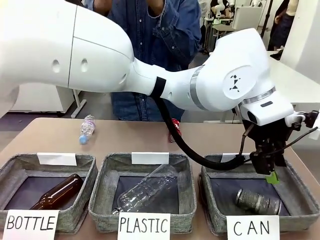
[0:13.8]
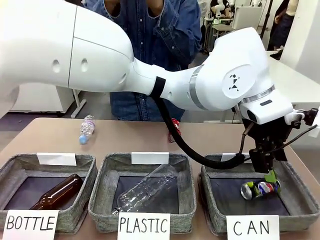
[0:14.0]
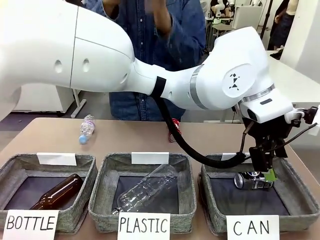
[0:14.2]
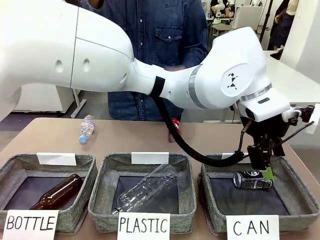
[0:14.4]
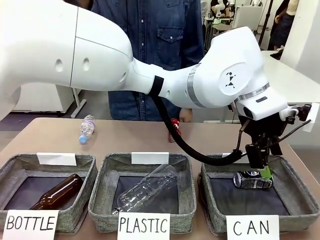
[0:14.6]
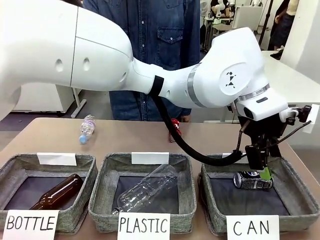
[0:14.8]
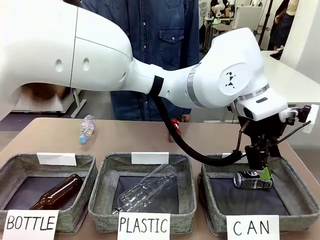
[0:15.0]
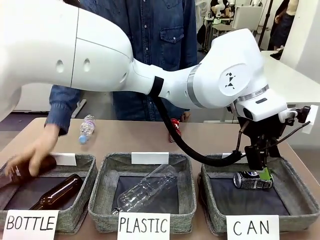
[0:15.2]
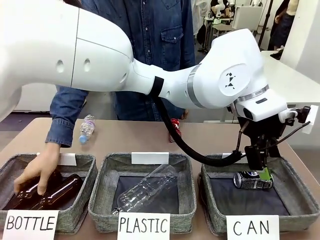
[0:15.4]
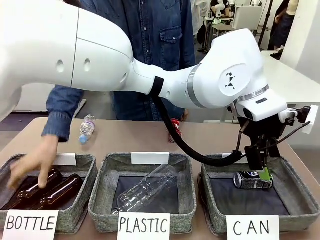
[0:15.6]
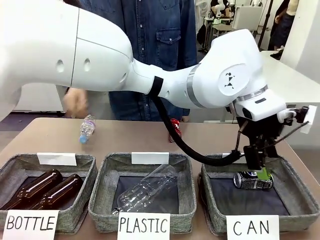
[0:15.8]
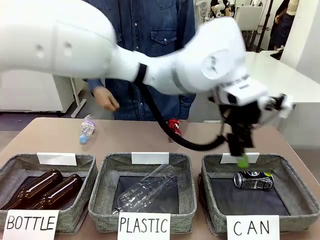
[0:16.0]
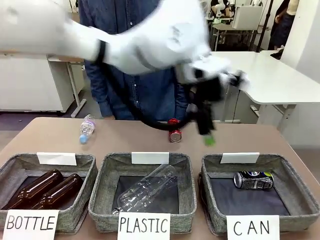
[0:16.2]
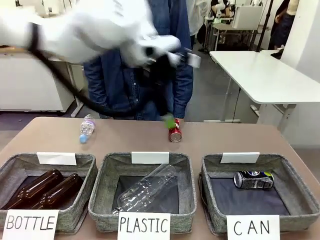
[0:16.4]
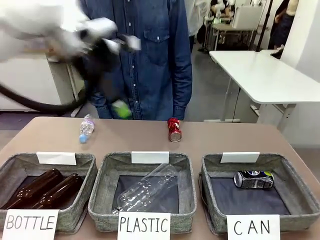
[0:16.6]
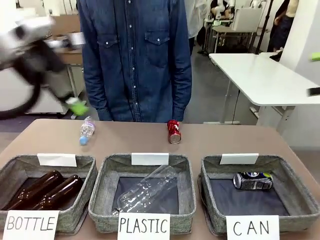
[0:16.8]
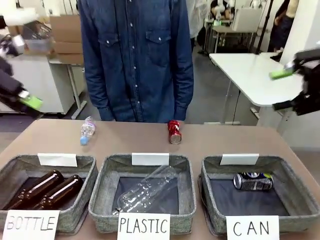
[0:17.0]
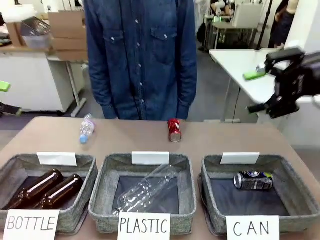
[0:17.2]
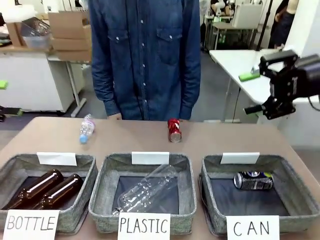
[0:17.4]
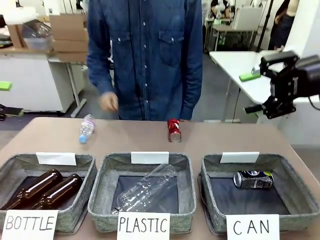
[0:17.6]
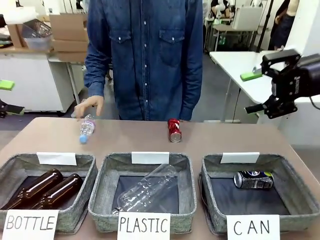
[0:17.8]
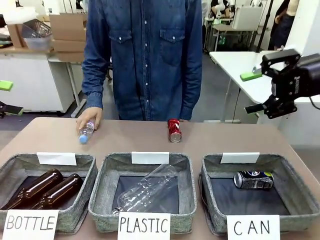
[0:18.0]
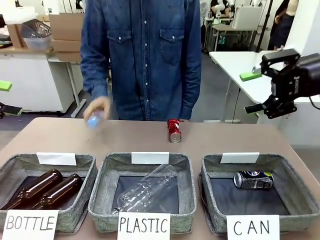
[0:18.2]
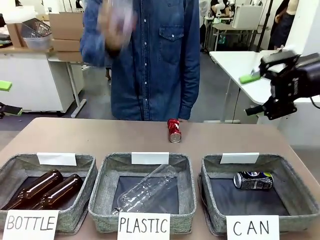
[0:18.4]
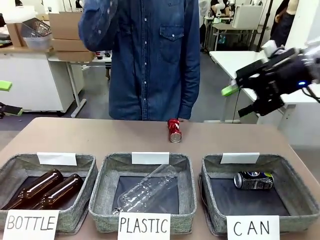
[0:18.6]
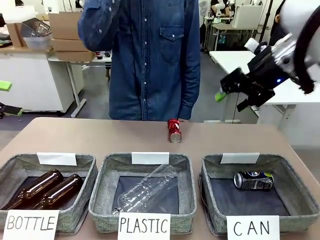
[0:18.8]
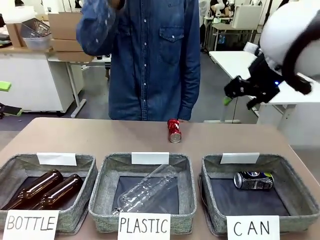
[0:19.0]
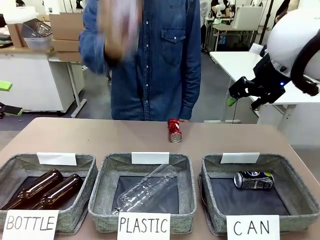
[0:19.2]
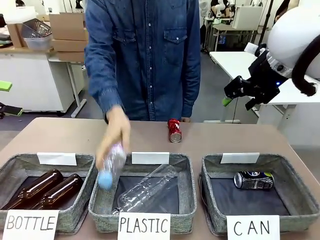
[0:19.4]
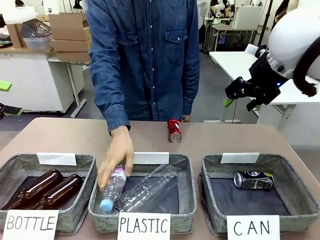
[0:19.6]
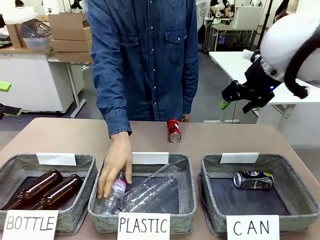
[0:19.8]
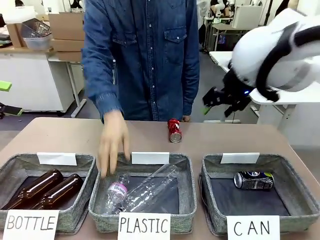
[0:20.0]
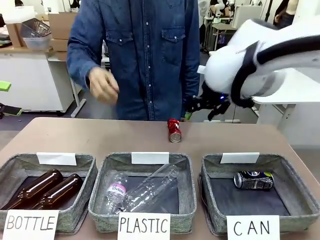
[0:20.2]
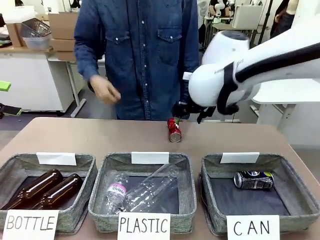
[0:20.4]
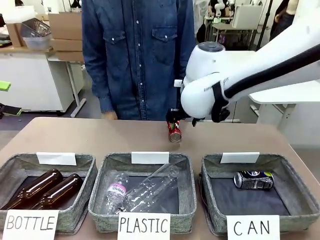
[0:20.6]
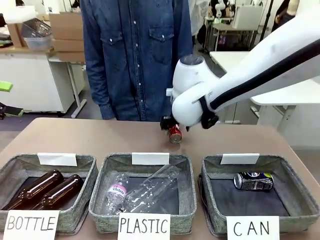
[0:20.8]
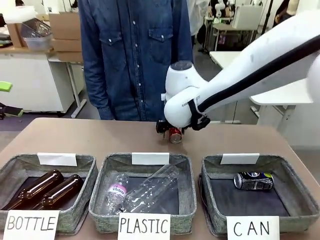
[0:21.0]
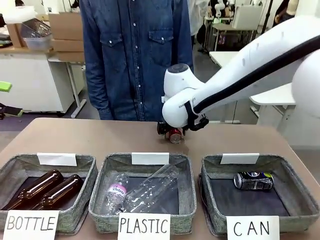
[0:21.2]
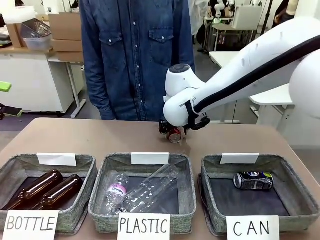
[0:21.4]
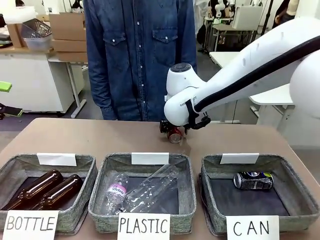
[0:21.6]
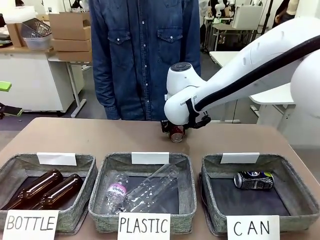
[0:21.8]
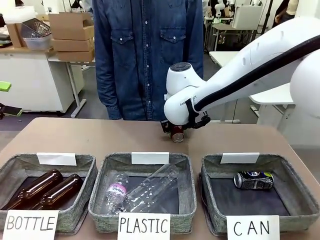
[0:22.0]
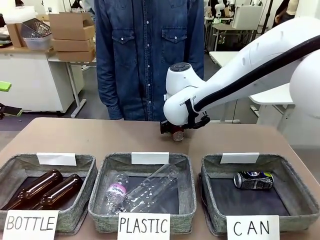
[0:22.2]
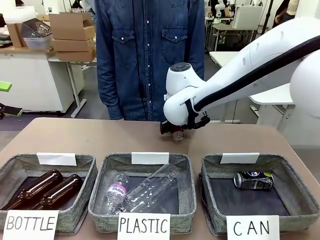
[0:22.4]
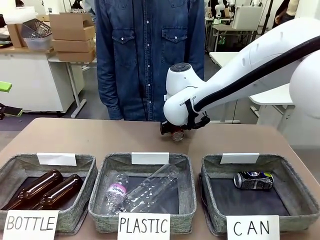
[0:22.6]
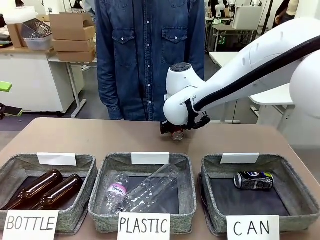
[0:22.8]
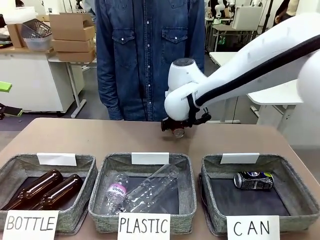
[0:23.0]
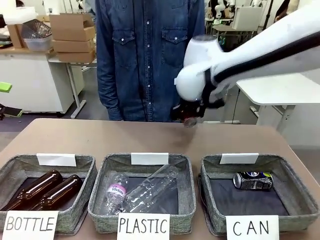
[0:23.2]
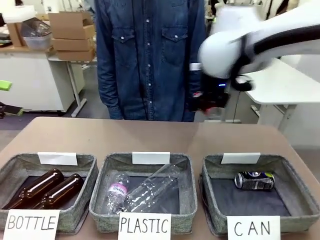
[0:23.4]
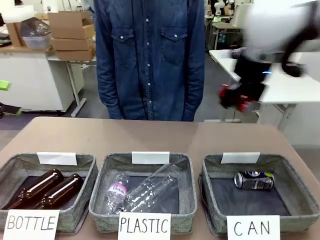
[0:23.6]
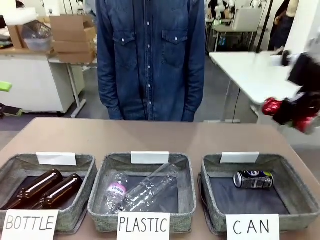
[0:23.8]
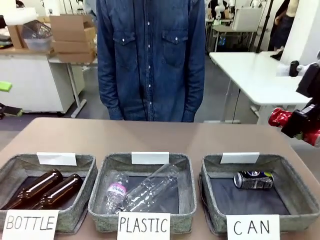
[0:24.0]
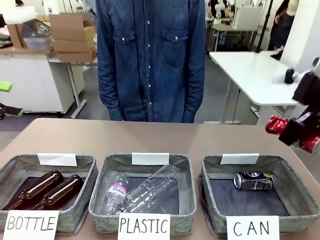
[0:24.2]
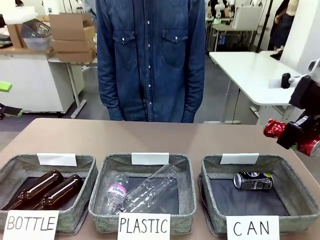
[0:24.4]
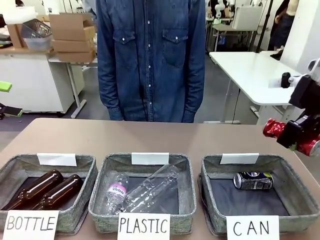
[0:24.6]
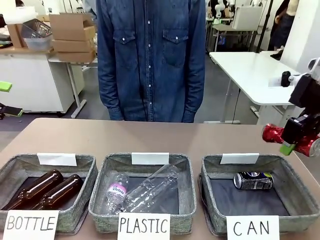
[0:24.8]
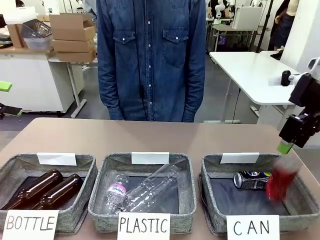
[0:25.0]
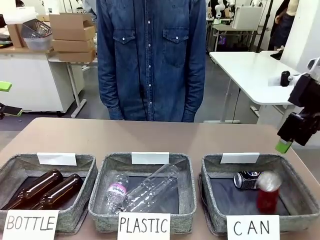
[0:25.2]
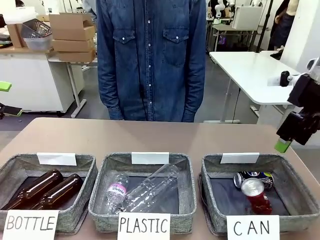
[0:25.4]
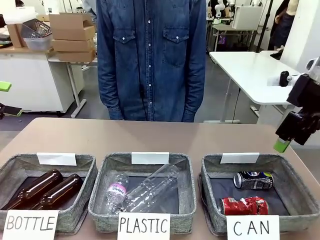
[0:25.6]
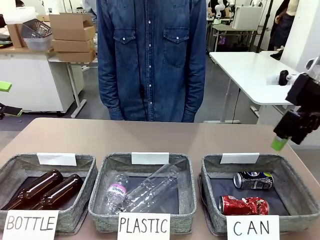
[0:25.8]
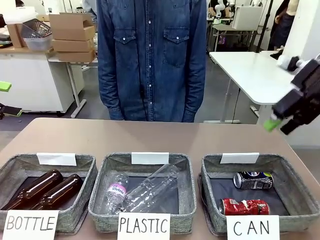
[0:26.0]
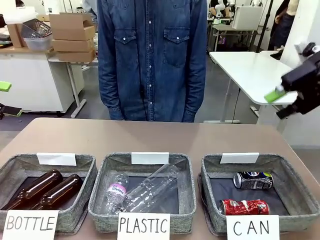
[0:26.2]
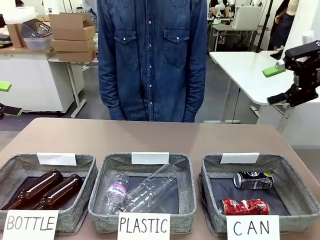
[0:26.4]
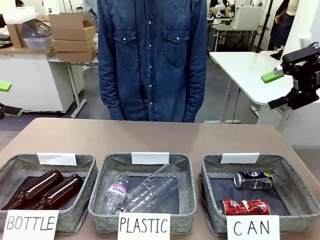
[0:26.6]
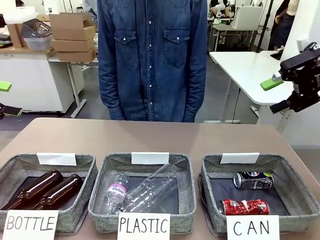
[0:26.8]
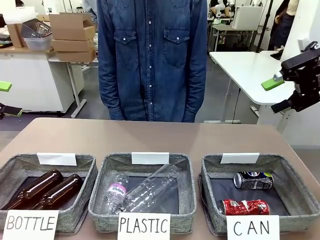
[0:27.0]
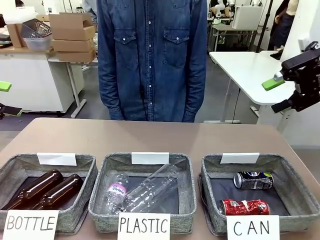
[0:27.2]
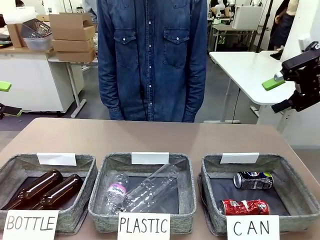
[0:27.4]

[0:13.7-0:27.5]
Task: Sort the can waste into the basket.
Robot: Pick up the can waste from the table and place it in the right Fabric basket.
Person: The human picks up one piece of trash that is not a can and places the trash into the appropriate organizing basket.

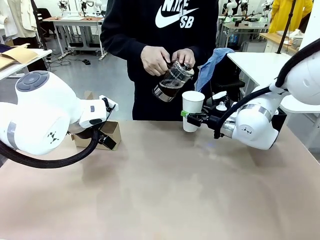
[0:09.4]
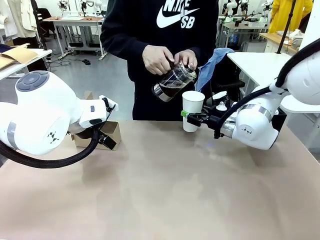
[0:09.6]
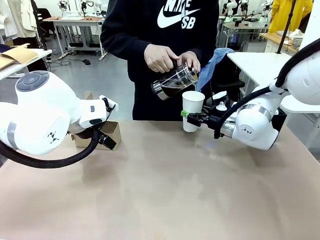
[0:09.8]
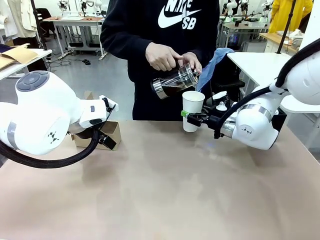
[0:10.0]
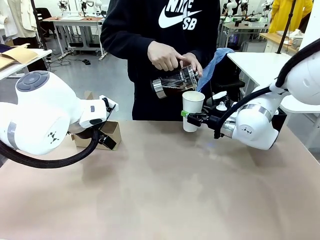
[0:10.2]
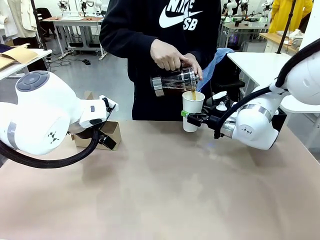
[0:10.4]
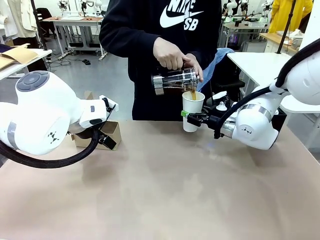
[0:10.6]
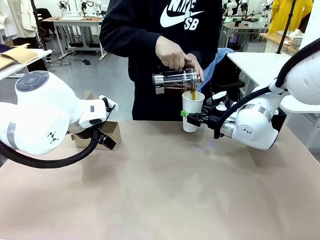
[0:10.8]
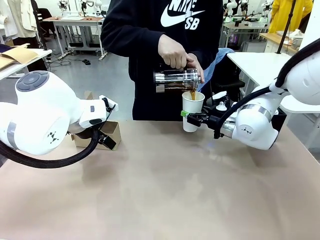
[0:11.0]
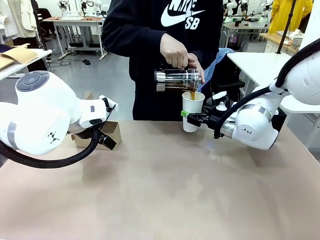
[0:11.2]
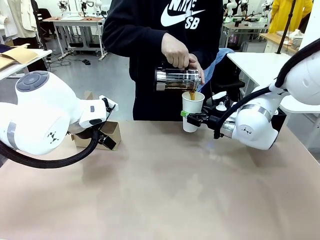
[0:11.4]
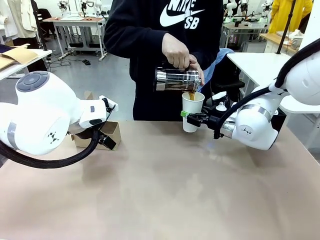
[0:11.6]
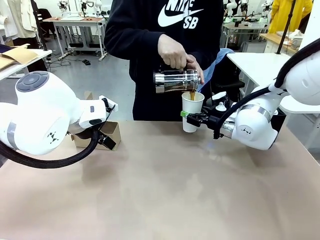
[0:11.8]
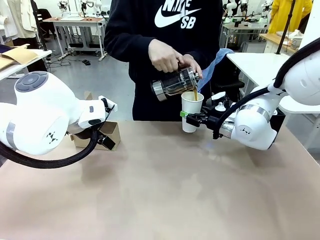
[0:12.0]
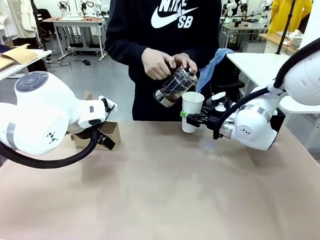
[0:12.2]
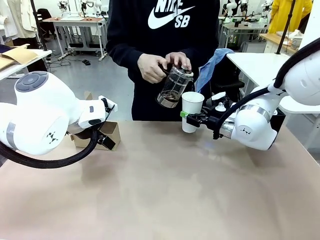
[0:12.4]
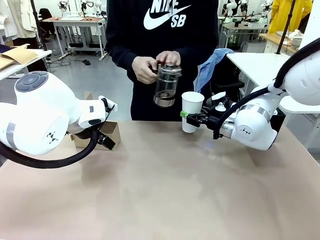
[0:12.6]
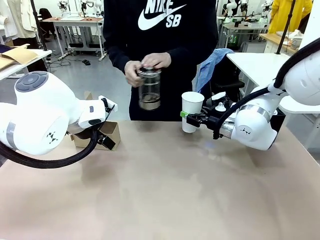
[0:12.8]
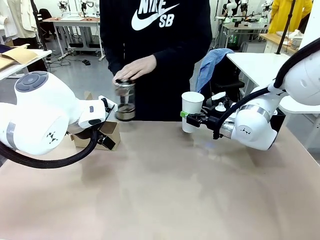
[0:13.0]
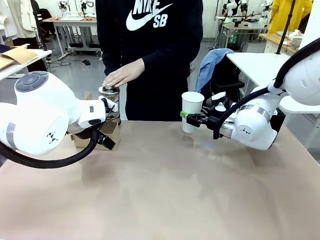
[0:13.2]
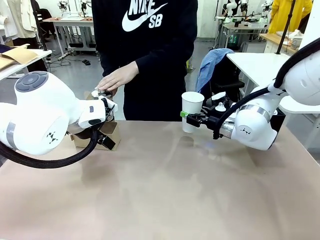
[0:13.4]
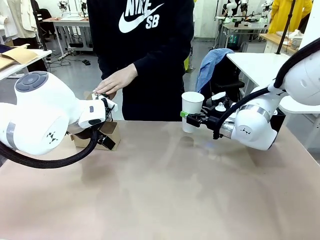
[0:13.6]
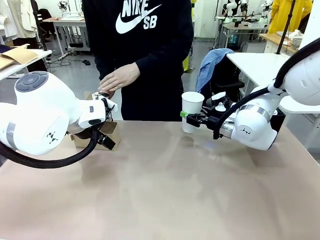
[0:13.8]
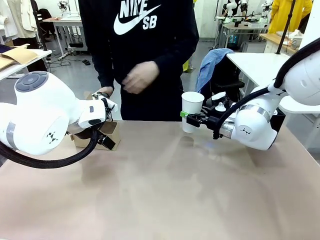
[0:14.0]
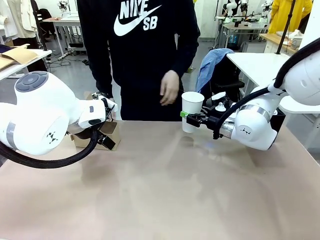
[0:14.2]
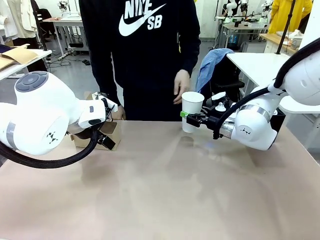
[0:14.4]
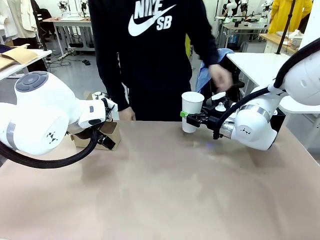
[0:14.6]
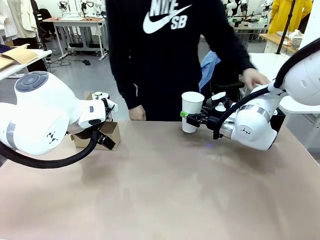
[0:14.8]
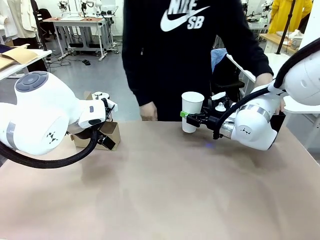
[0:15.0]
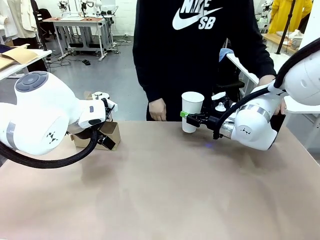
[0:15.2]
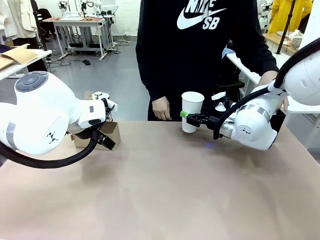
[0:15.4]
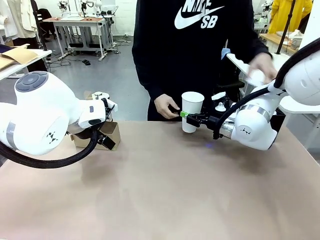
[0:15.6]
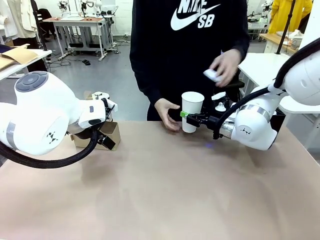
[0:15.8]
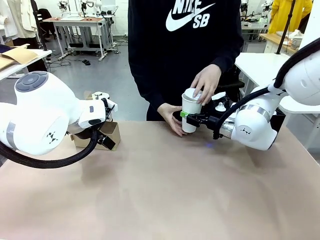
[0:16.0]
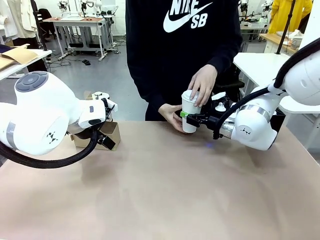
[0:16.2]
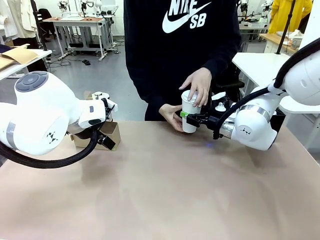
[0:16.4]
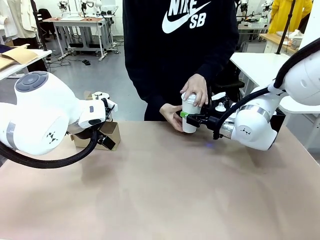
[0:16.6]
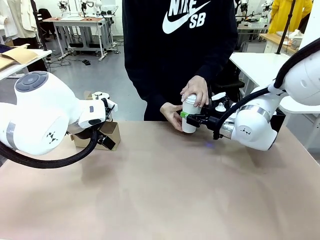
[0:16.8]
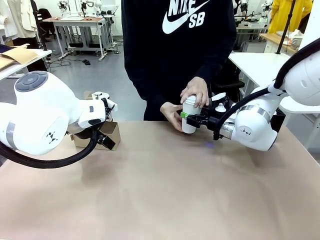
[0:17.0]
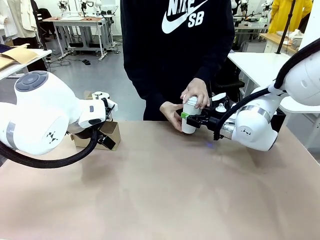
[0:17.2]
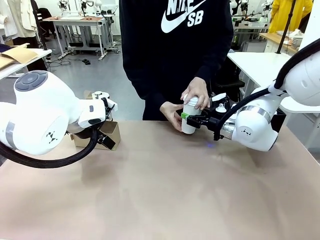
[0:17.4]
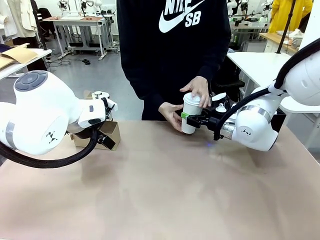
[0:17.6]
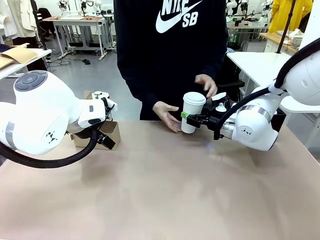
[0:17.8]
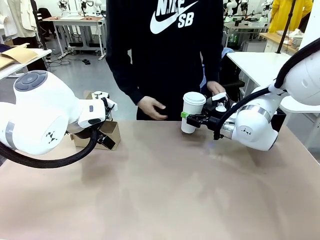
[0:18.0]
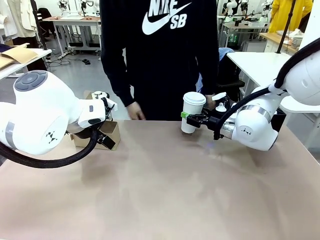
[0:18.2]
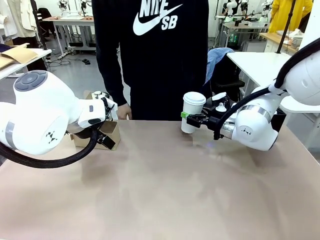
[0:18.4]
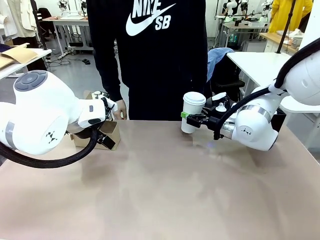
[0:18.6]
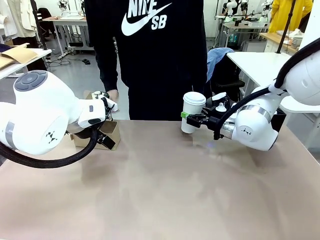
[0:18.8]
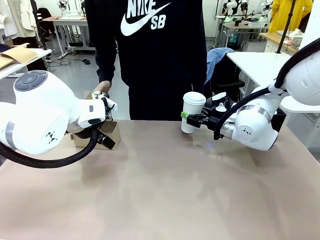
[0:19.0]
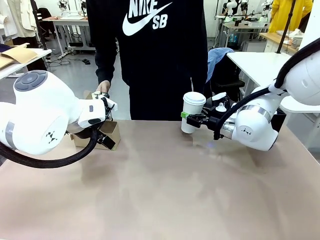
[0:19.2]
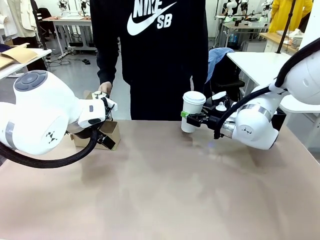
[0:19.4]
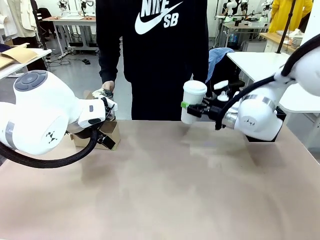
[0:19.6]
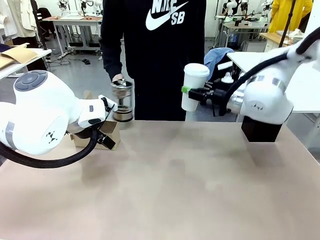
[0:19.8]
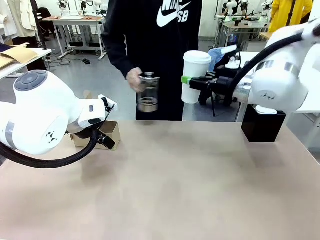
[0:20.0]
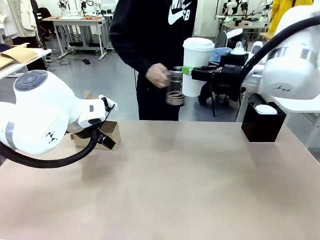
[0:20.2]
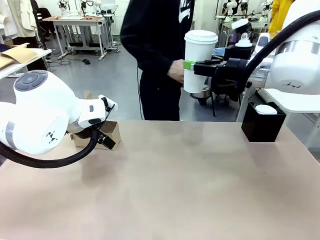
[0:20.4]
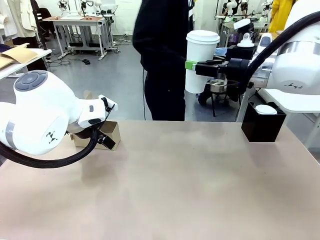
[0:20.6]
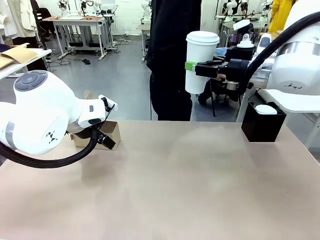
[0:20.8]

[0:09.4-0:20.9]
Task: Pour a drink into a cup and package it in a carrier.
Robot: When a person places the Paper Cup Lid on the 600 ml Paper Cup , lift the 600 ml Paper Cup.
Person: Pour the drink from the Filter Brewing into the 600 ml Paper Cup. Place a Paper Cup Lid on the 600 ml Paper Cup.
